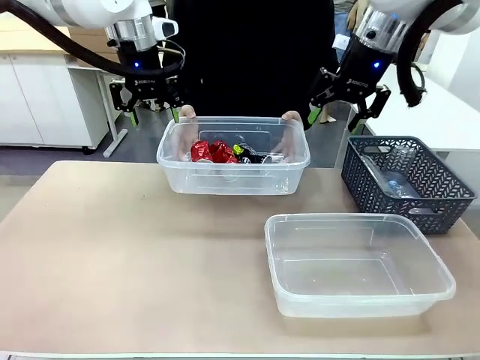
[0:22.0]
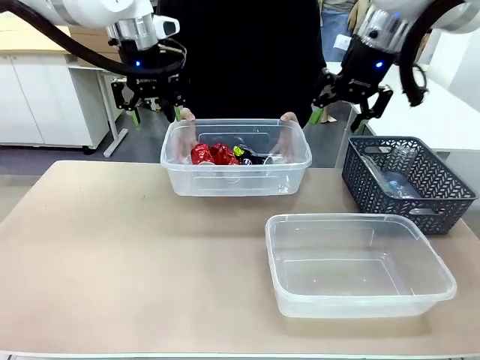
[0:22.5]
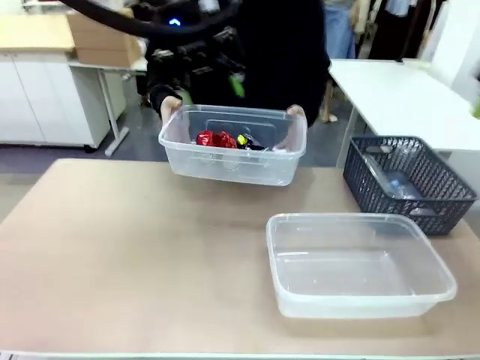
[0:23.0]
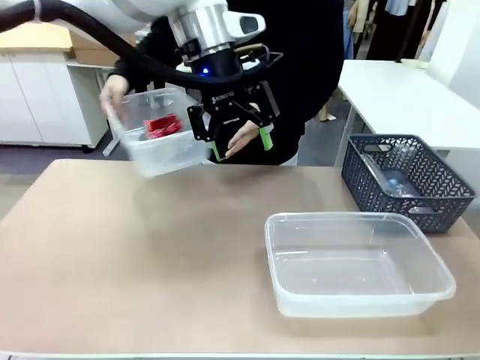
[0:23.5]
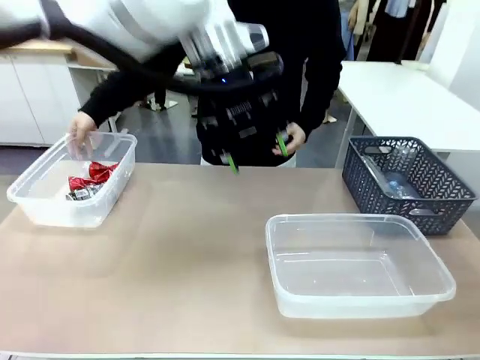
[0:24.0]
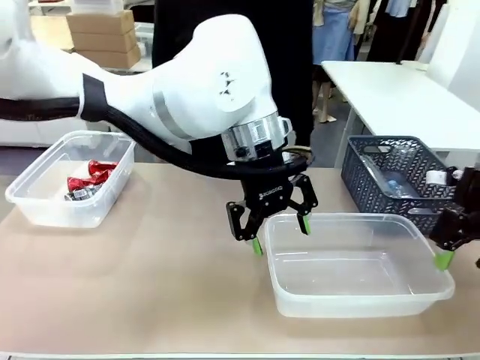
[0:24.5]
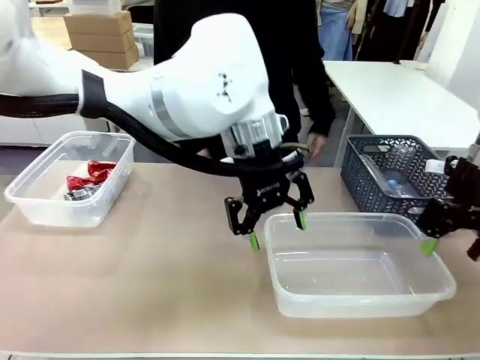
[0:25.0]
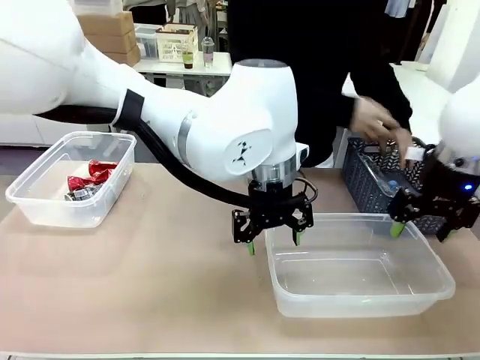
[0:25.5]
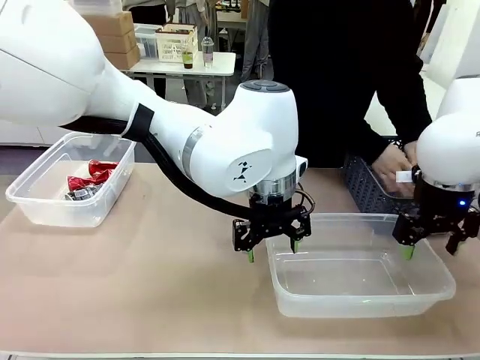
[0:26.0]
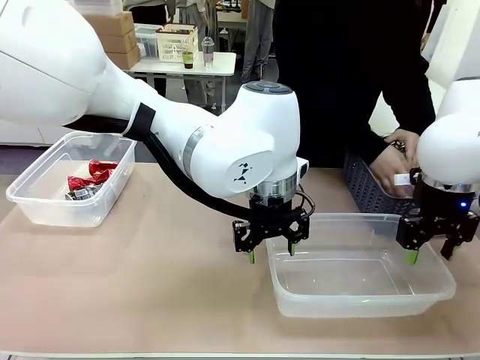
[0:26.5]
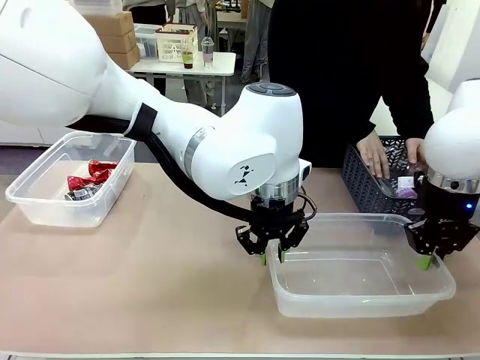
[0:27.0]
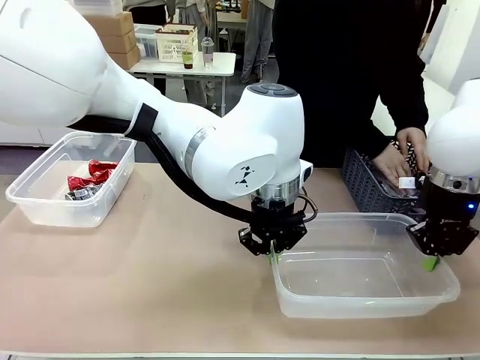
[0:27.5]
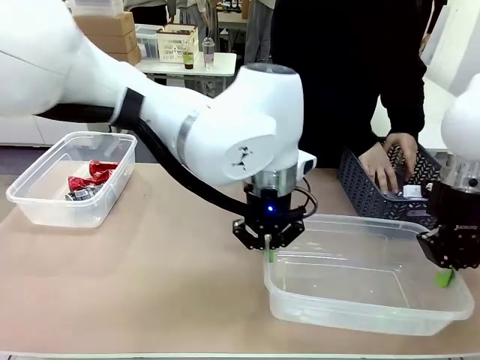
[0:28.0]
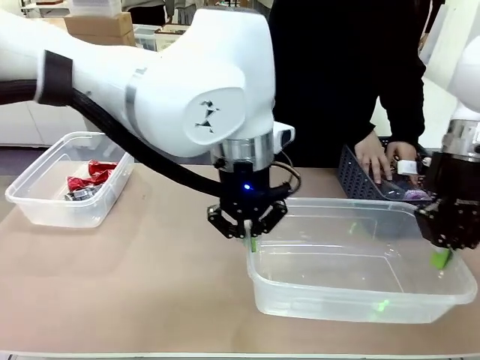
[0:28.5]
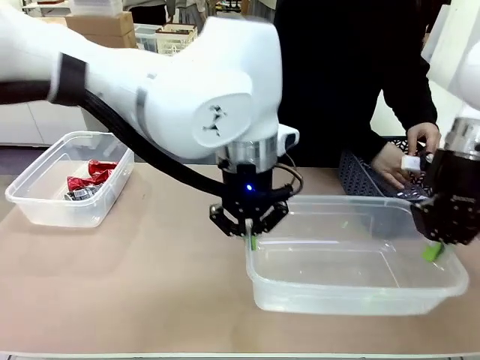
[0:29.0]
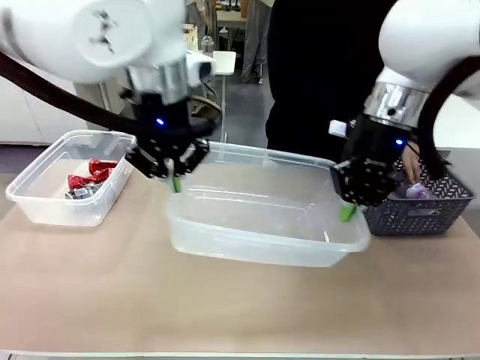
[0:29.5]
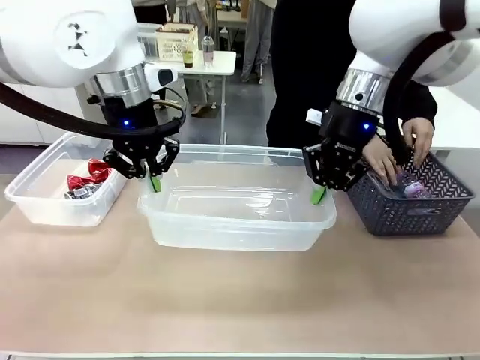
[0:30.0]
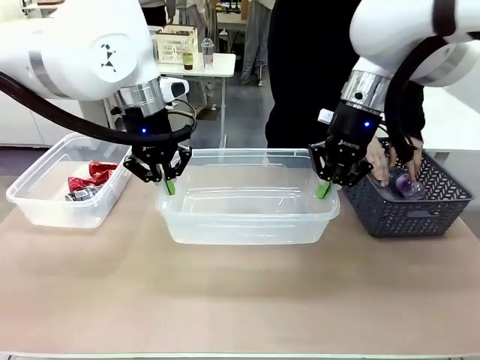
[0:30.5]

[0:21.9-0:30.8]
Robot: Pick up the Organizing box on the right side of the table and lift it.
Person: Place it at the edge of the bottom right area of the robot table. Pick up plastic waste one by one and place it into the organizing box lifted by the robot.

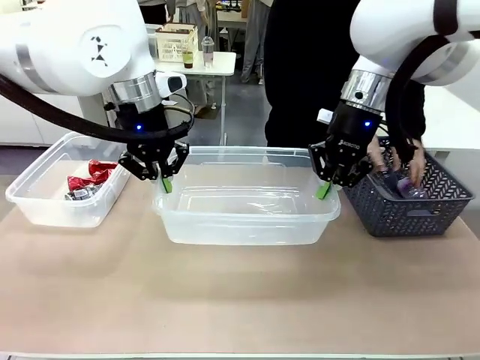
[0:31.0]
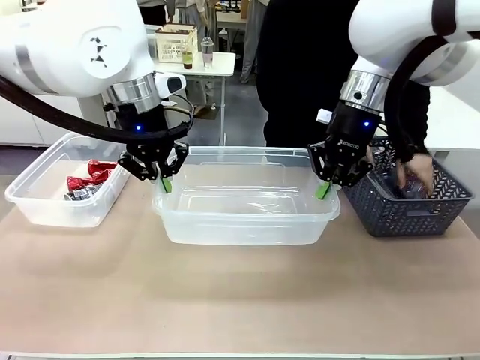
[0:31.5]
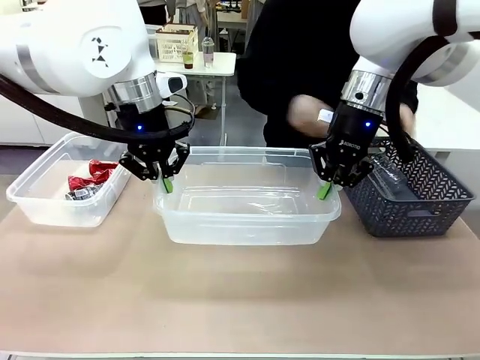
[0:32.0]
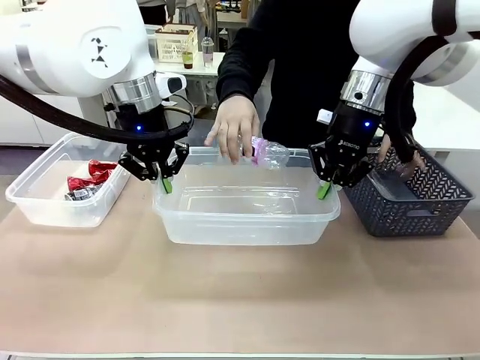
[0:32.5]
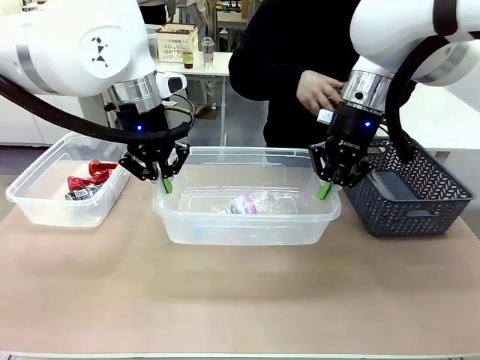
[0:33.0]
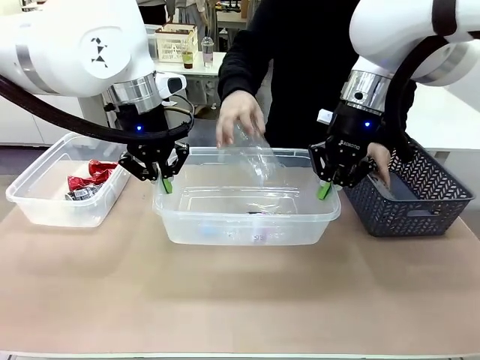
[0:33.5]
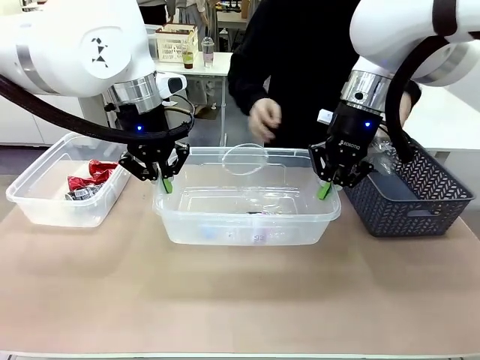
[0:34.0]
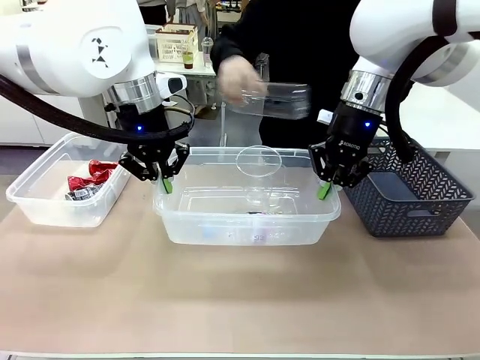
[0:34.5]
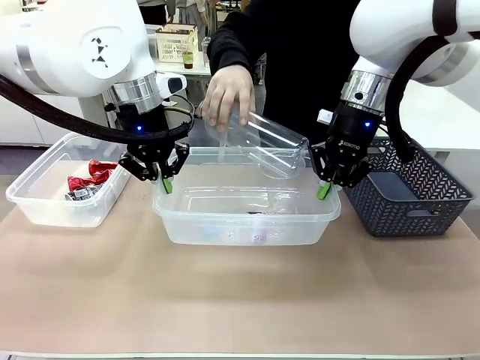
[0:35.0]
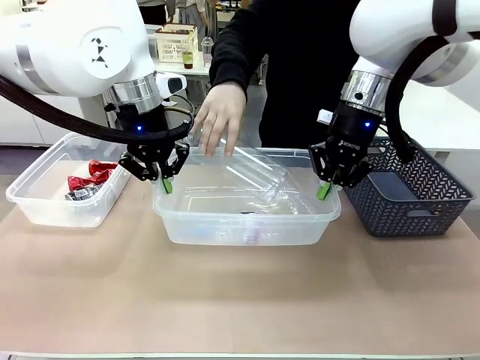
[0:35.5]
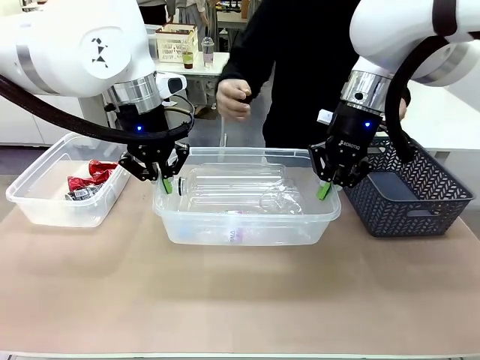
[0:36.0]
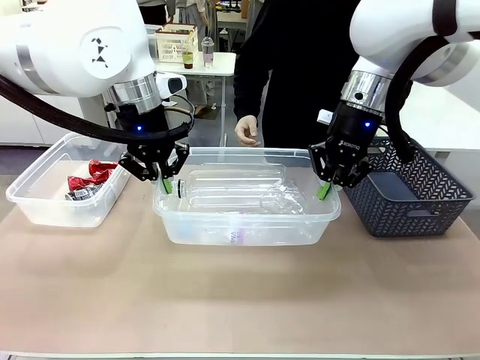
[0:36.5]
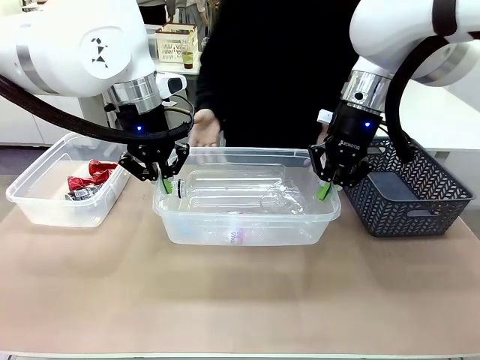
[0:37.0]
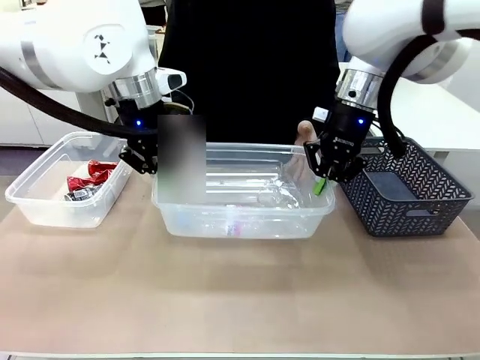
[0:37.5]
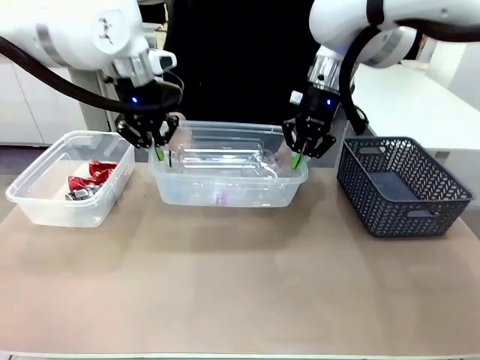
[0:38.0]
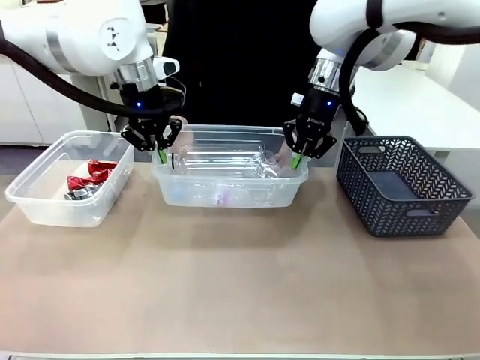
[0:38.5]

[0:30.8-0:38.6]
Robot: Offer the picked Organizing box to the human.
Person: Pick up the organizing box extended by the robot.

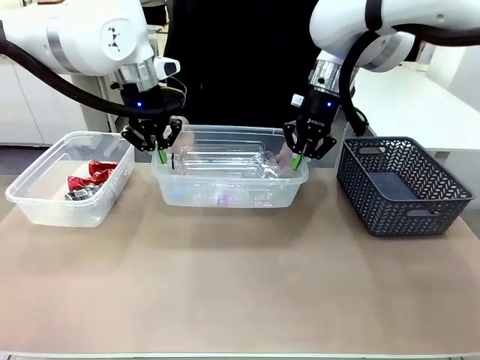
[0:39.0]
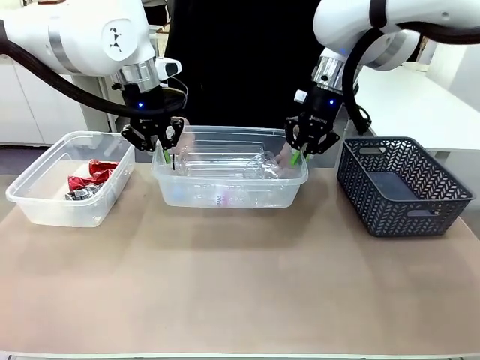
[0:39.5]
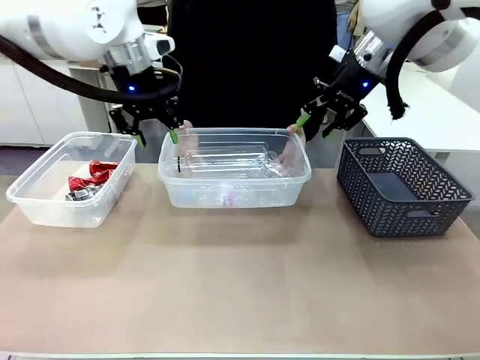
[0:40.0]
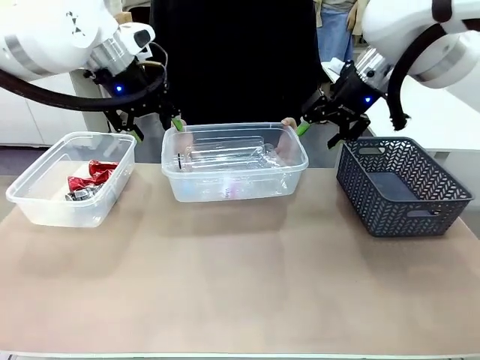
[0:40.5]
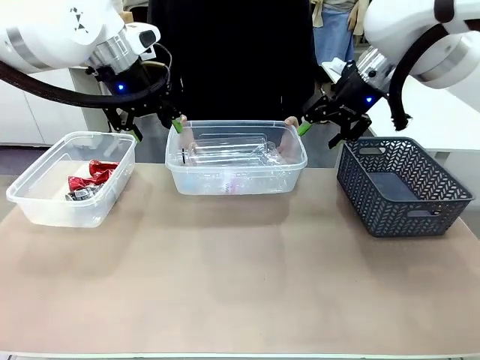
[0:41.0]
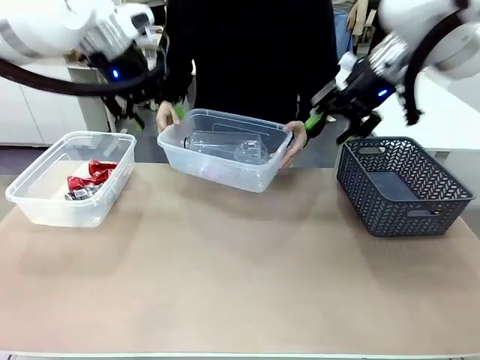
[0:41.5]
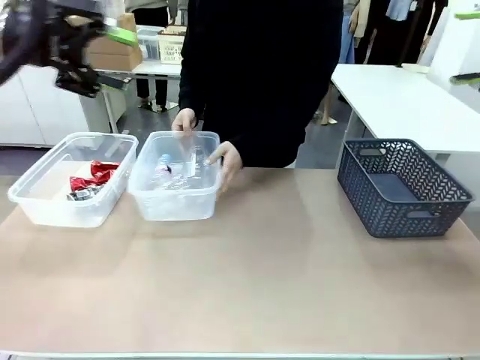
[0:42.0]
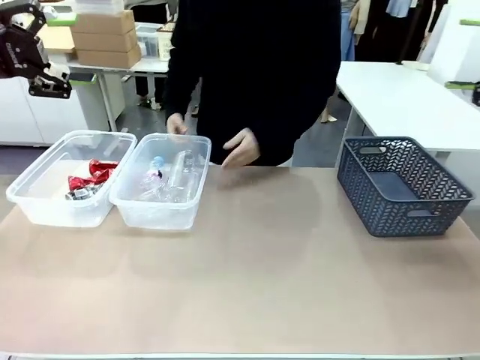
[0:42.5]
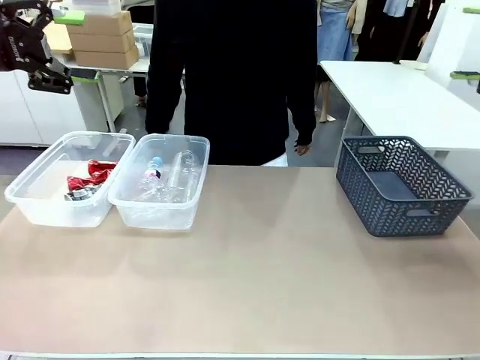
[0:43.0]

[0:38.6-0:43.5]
Robot: Release the Organizing box you were holding.
Person: Place the organizing box to the left of the sorting box containing the can waste.

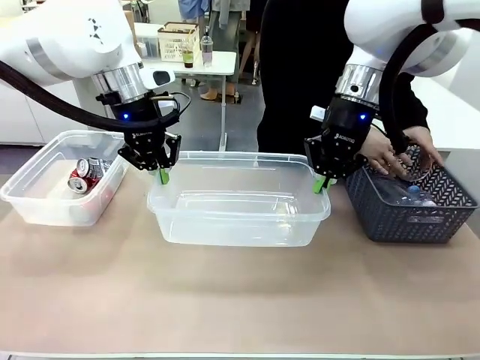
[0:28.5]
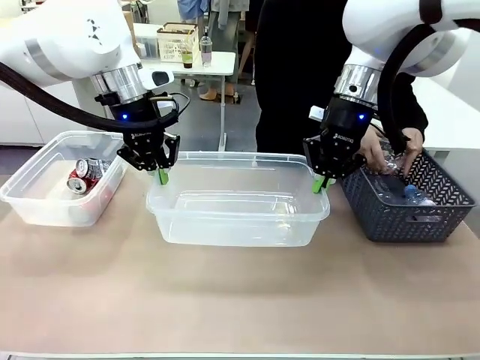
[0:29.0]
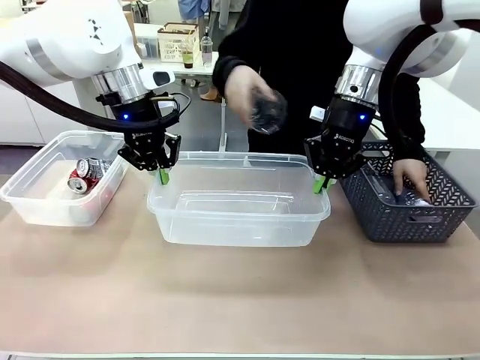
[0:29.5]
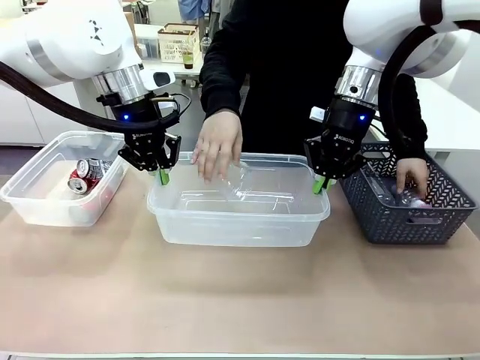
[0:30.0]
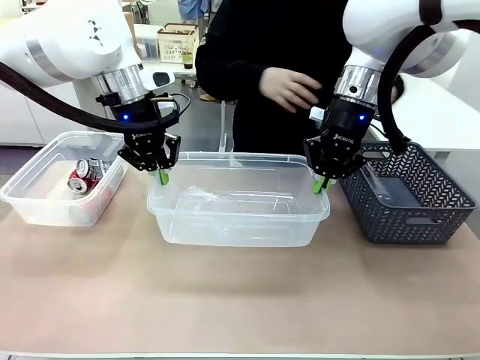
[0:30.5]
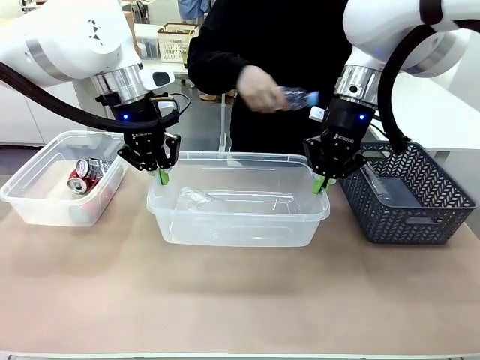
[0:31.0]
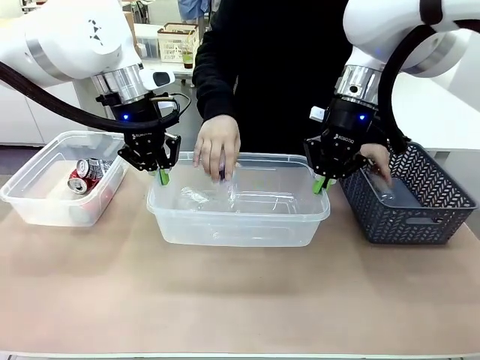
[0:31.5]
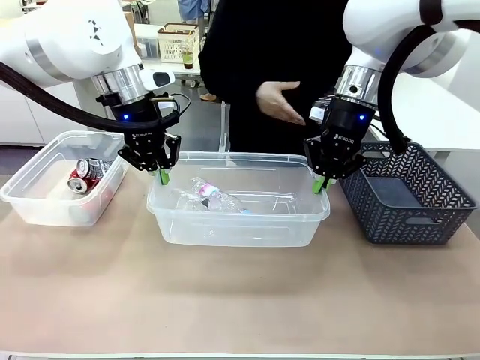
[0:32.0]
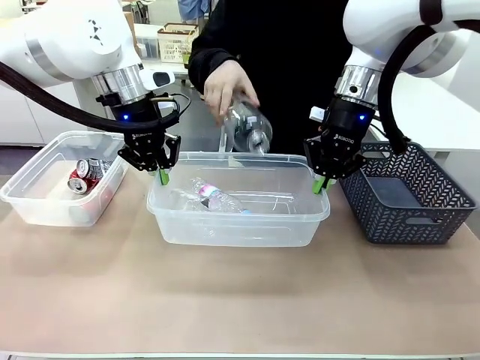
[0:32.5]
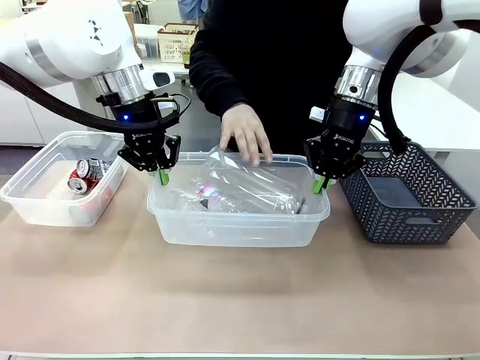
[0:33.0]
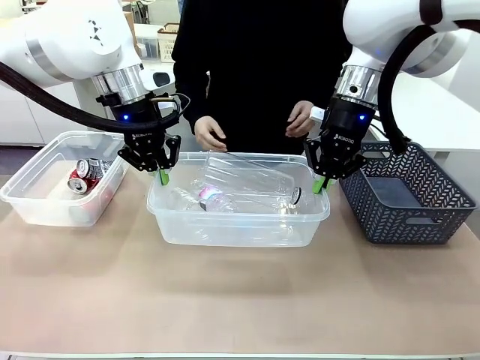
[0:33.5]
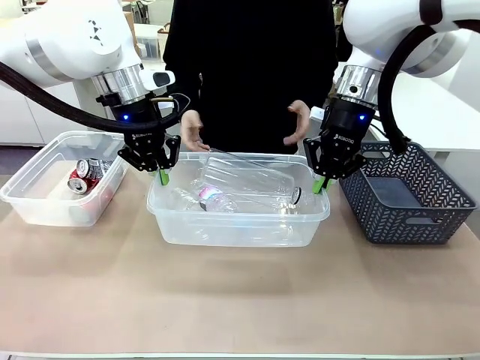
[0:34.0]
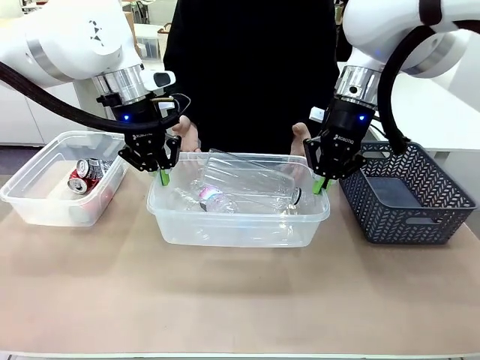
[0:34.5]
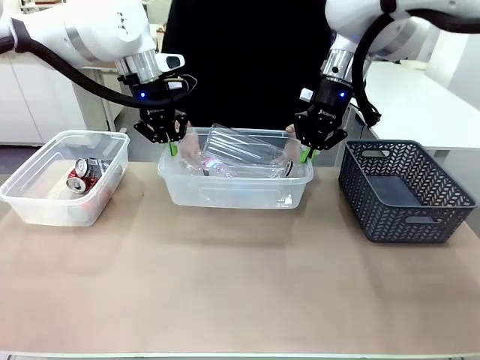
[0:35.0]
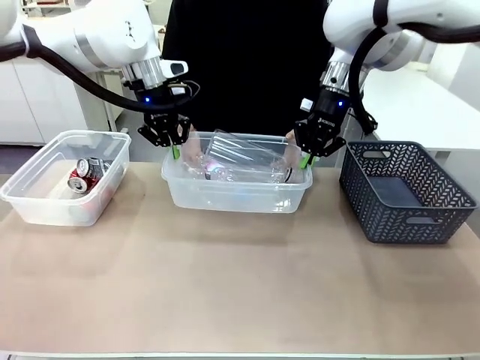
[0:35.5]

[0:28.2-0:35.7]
Robot: Offer the picked Organizing box to the human.
Person: Pick up plastic waste one by one and place it into the organizing box lifted by the robot.
